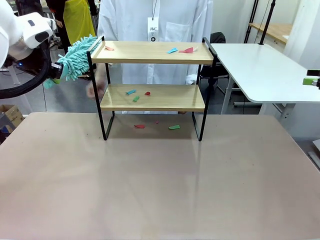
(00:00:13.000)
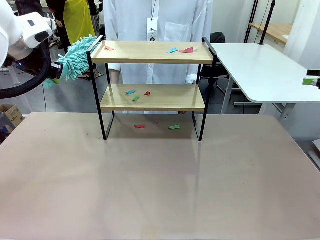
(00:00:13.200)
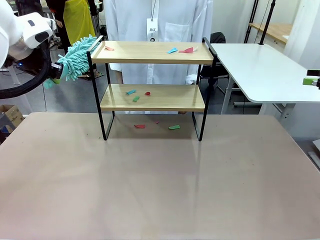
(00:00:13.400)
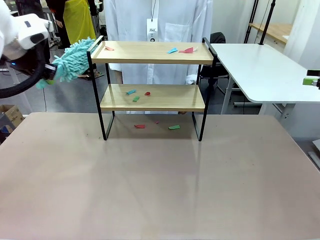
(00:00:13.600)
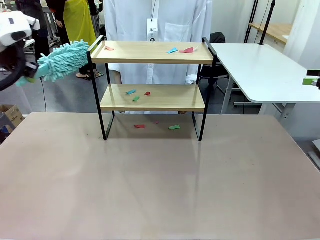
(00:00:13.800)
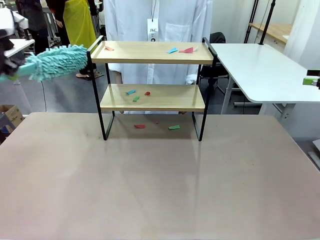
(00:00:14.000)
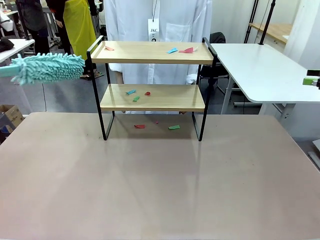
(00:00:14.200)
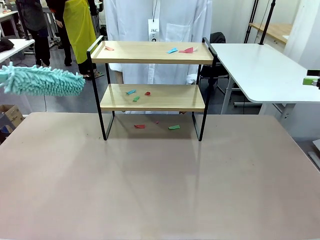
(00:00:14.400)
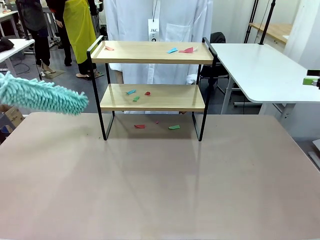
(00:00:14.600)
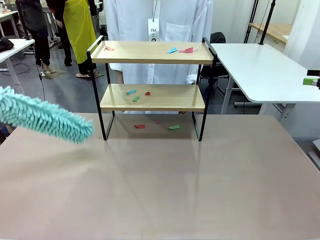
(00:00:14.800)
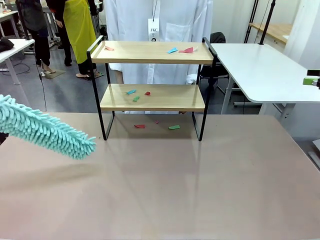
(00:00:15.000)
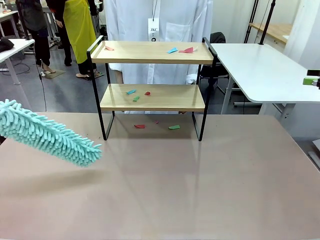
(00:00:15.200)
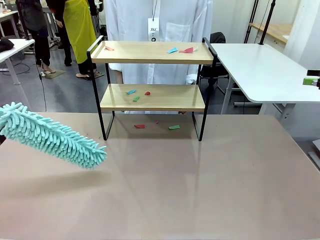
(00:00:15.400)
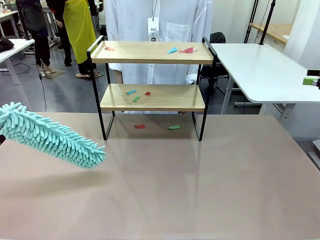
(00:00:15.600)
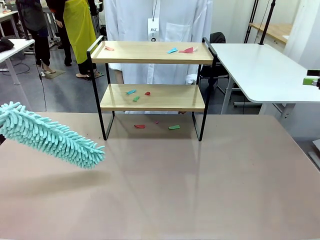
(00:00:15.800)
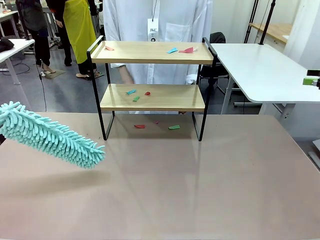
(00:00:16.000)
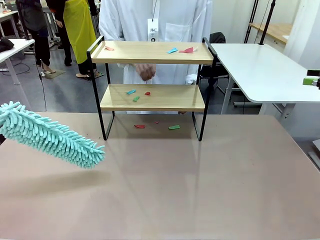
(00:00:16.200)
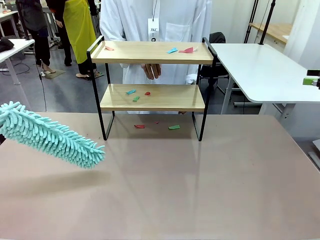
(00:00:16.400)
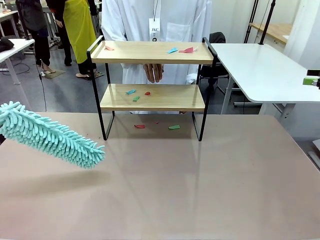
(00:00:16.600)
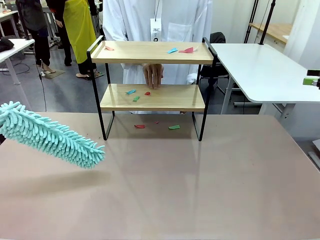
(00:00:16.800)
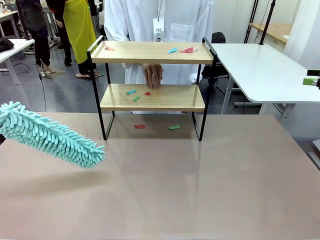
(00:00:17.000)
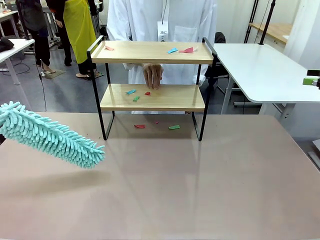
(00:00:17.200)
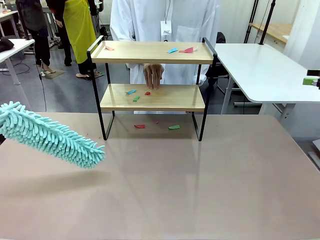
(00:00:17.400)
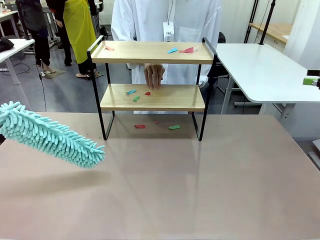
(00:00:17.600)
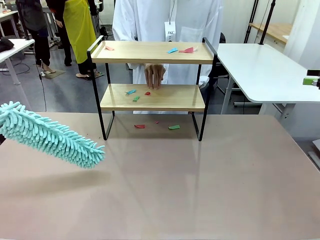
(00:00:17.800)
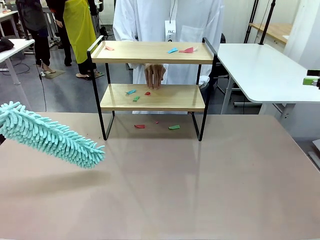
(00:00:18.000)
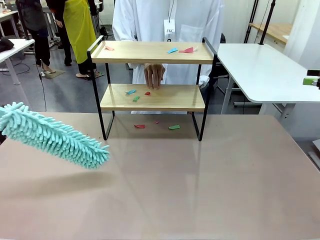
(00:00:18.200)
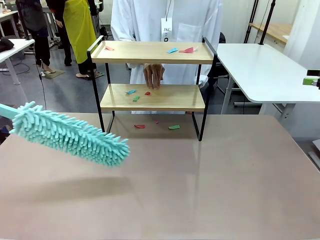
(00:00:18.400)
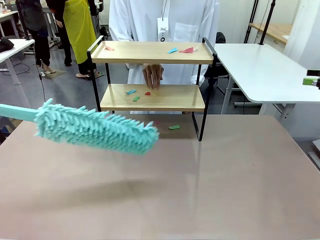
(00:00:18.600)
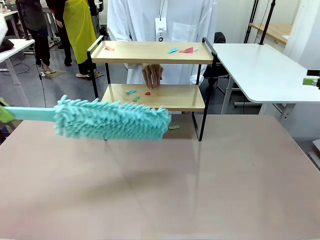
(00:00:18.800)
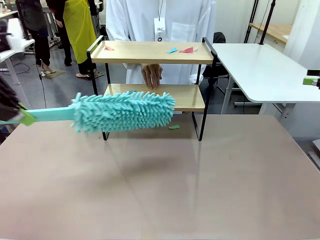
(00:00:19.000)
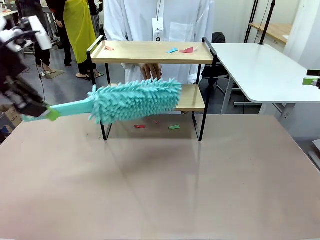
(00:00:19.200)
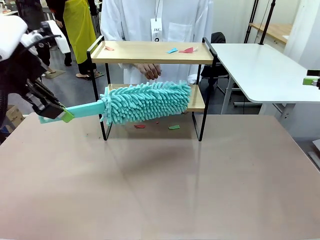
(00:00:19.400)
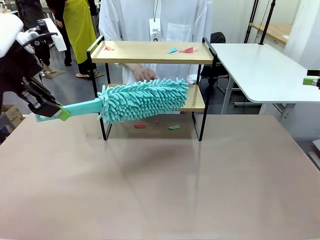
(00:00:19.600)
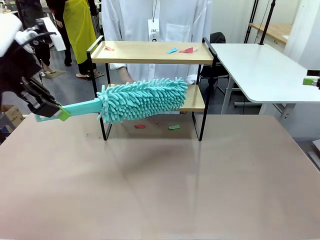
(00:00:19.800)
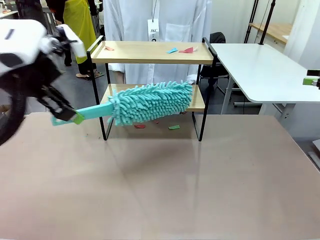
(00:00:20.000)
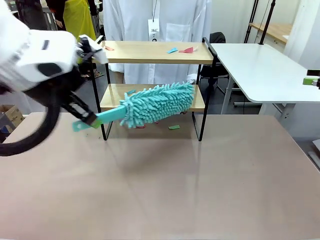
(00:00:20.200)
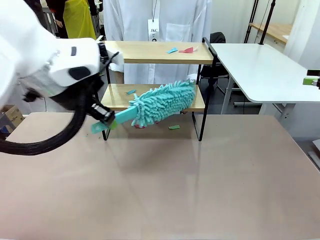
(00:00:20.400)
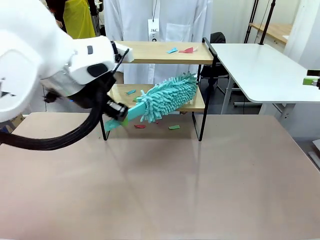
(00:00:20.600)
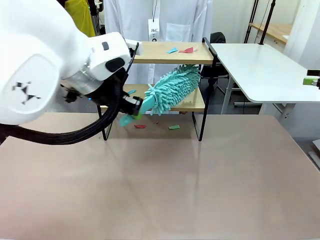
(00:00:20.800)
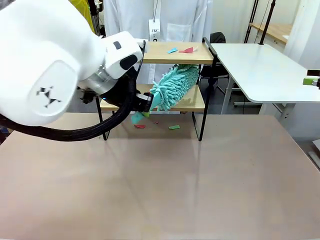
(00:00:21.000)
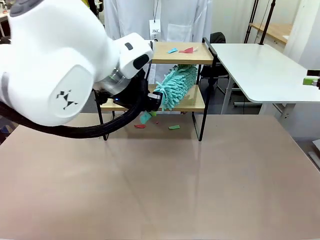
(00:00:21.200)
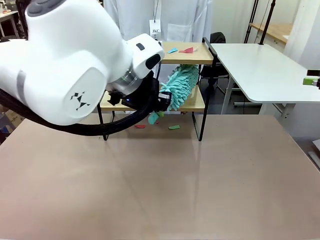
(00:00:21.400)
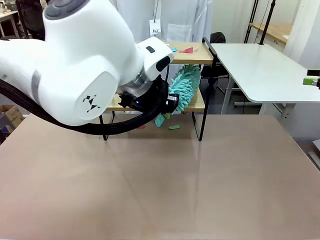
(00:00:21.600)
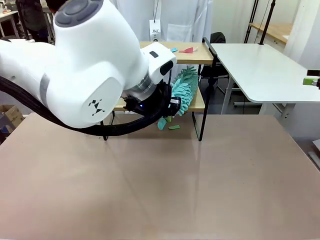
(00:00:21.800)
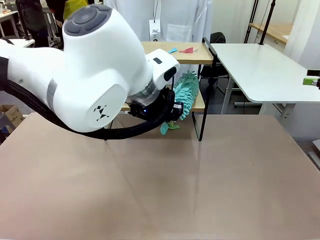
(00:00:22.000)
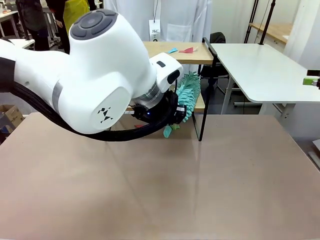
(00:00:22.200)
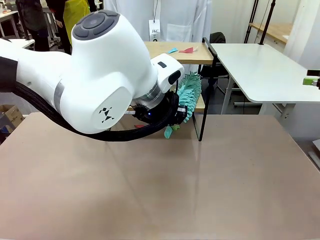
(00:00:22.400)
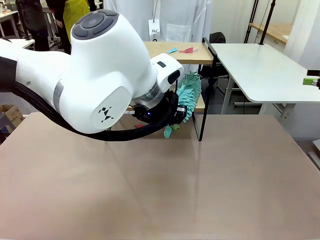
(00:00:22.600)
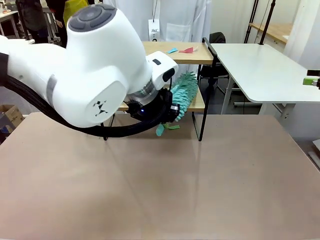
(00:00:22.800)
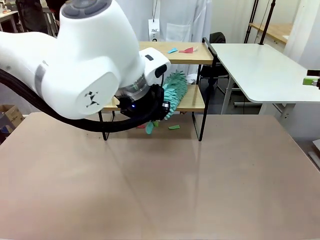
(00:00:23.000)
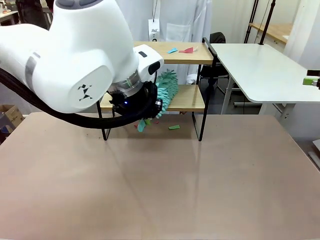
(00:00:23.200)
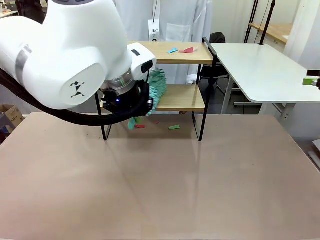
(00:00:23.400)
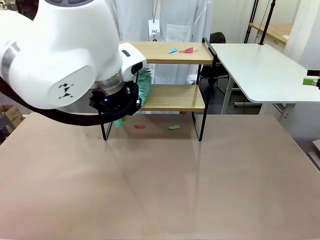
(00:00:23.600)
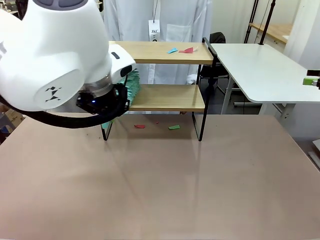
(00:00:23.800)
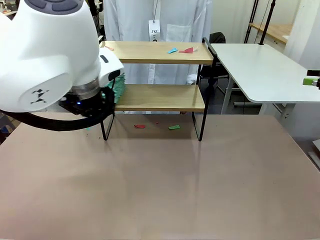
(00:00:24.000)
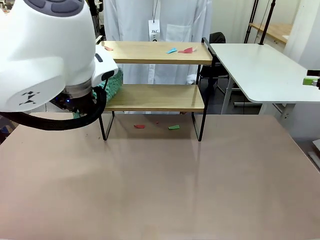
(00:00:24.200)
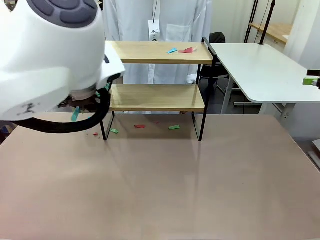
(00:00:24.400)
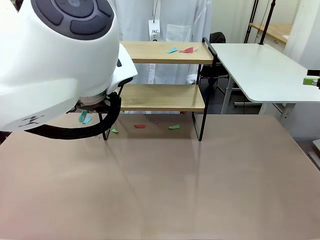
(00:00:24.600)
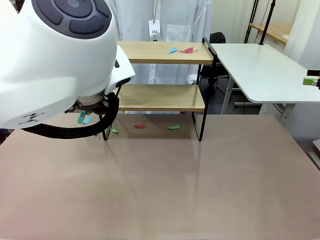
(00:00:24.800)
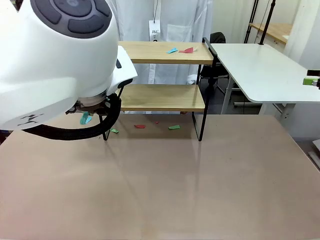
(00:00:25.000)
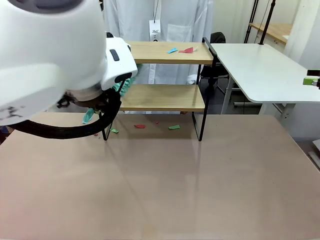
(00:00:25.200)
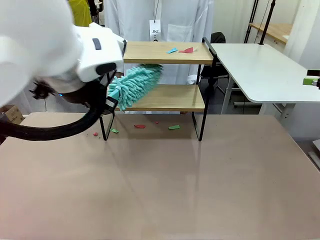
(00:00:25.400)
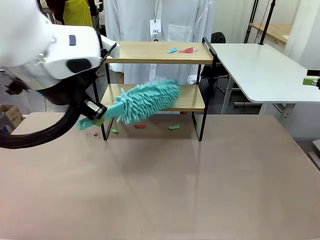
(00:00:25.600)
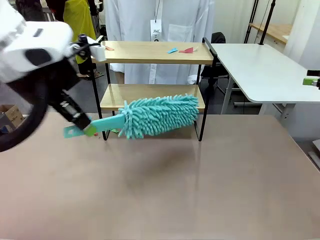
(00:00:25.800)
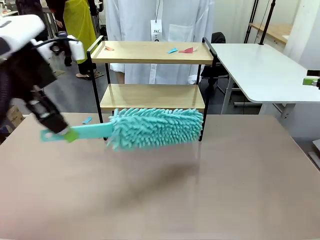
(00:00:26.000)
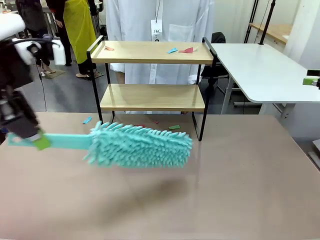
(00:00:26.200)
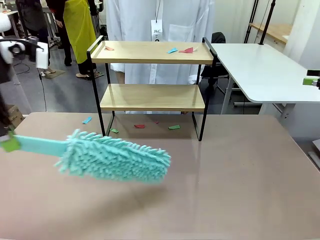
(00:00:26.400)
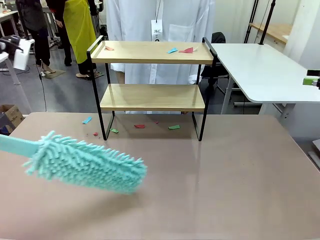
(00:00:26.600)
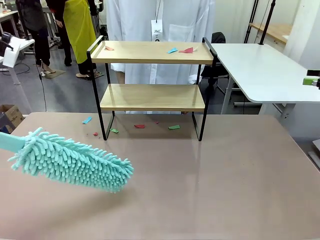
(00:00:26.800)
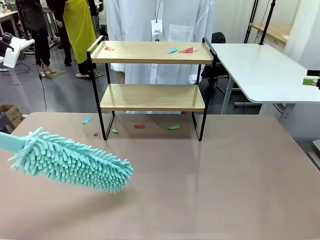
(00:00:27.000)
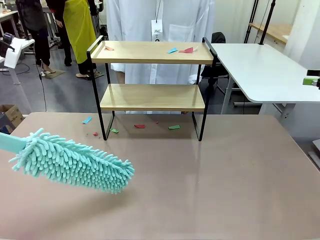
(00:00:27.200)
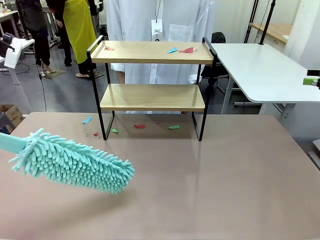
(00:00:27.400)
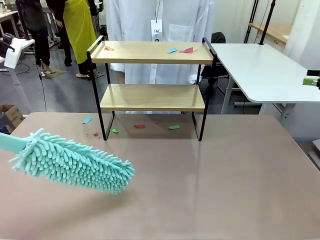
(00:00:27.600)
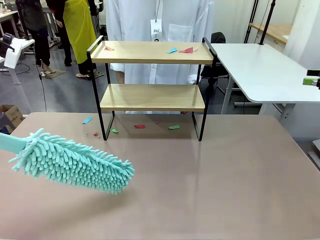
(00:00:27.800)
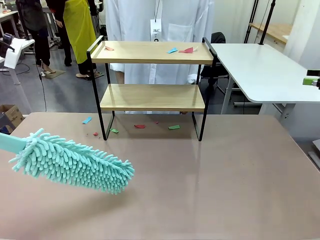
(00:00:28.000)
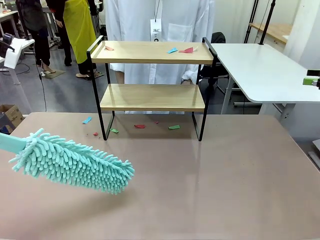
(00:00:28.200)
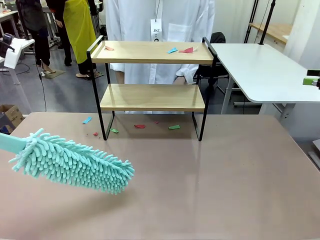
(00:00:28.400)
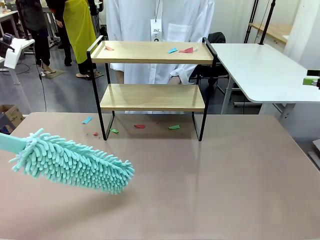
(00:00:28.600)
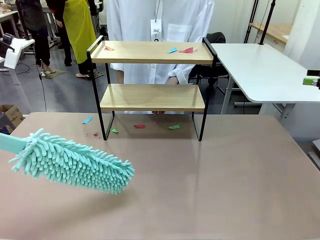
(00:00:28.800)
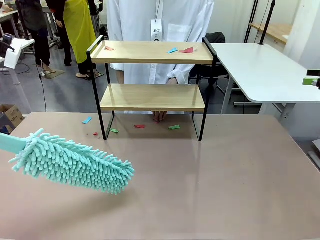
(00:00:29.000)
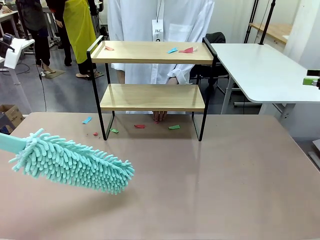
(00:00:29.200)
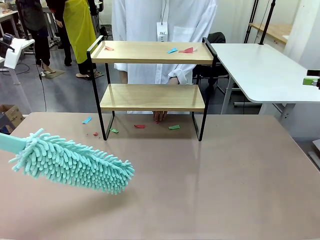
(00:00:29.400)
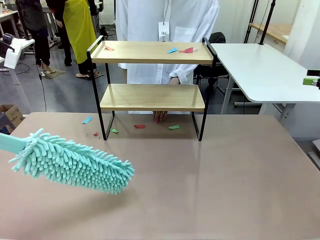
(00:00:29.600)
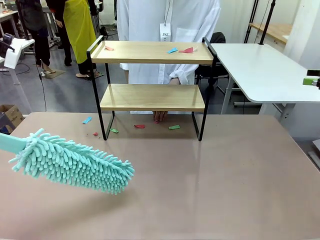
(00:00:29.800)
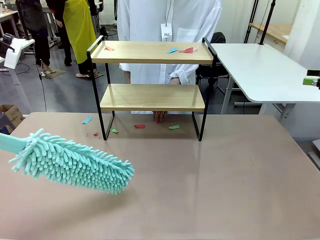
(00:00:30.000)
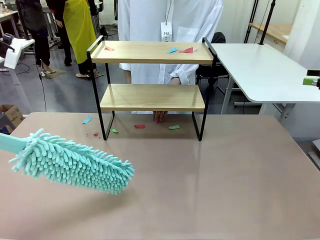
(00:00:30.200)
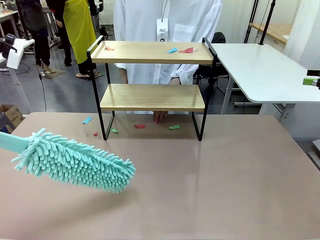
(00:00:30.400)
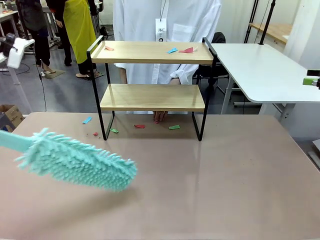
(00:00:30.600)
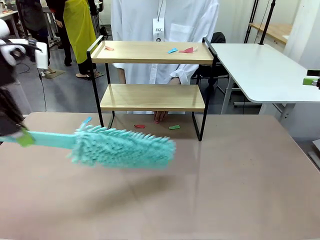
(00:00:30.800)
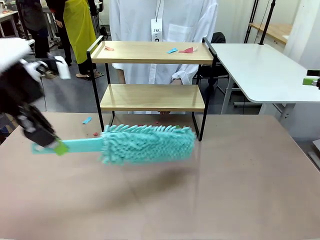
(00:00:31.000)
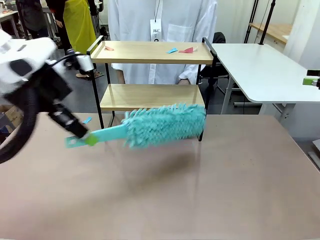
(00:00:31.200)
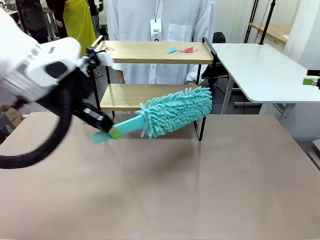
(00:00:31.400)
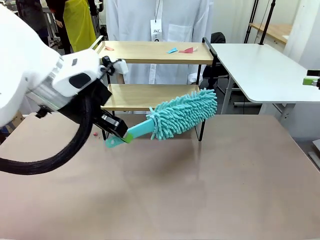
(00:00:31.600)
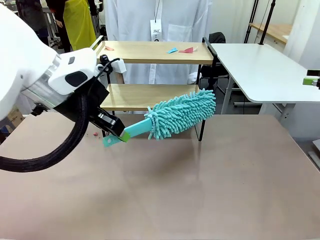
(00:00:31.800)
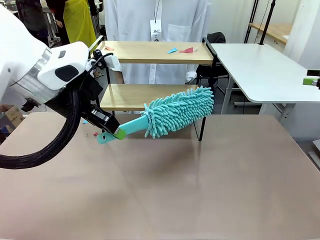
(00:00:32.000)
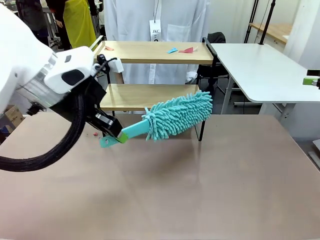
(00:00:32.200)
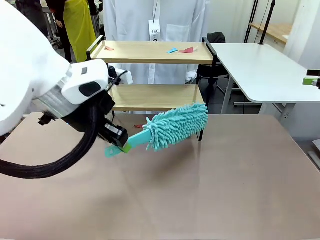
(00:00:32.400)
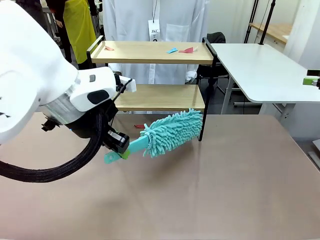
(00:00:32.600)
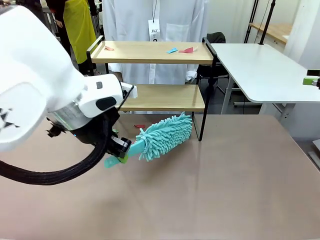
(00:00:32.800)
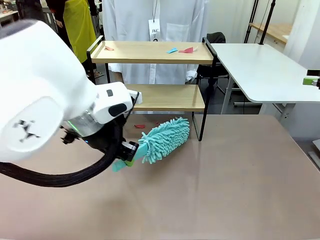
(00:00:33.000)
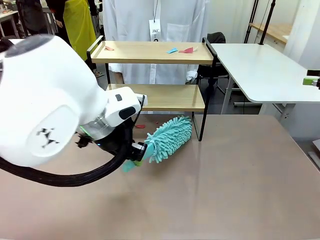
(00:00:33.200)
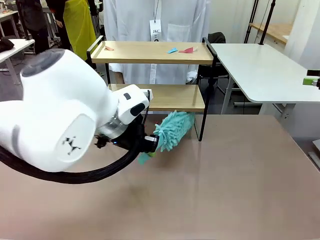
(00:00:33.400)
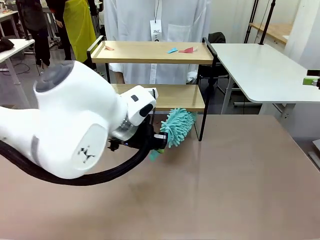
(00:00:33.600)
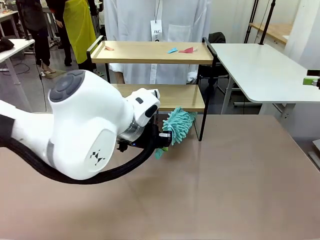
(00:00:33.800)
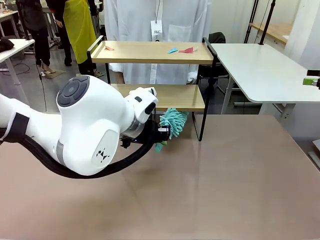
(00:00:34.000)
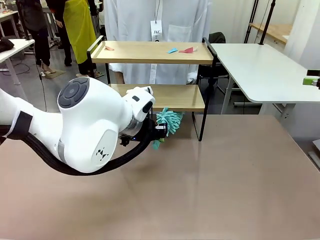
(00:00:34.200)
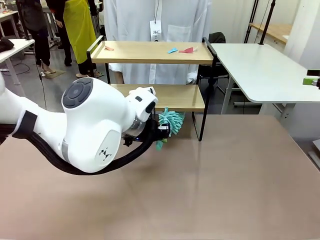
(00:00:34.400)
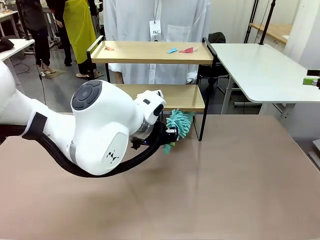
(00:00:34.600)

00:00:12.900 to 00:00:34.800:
Task: Clean the shelf.
Robot: Clean the specific section of the Shelf indicated by the human with the Duster.
Person: Point a random section of the Shelf.
